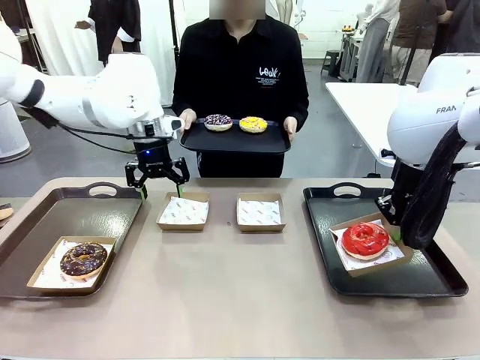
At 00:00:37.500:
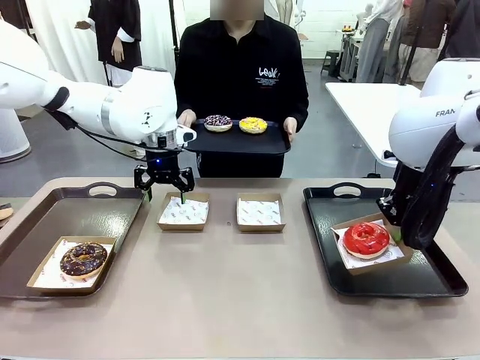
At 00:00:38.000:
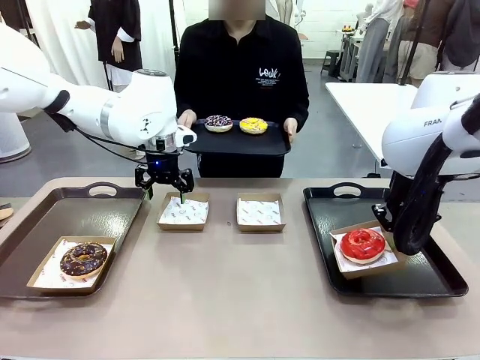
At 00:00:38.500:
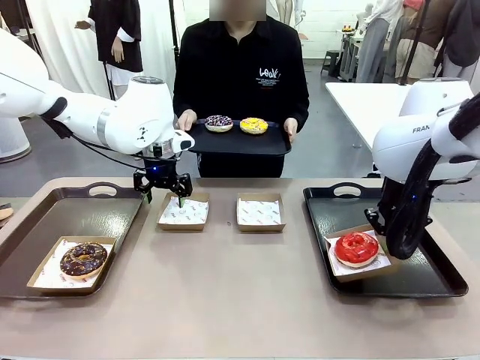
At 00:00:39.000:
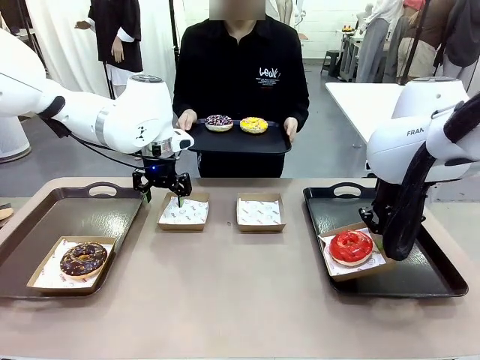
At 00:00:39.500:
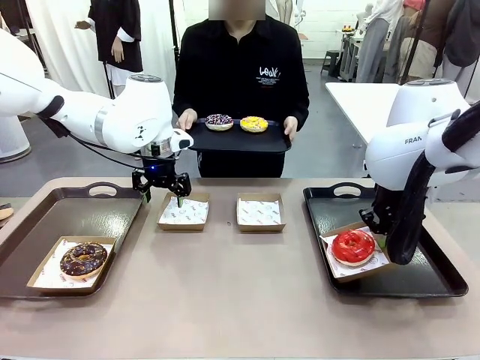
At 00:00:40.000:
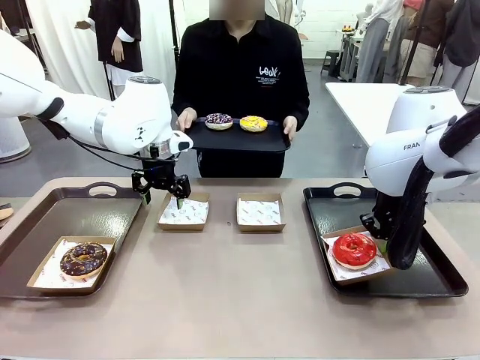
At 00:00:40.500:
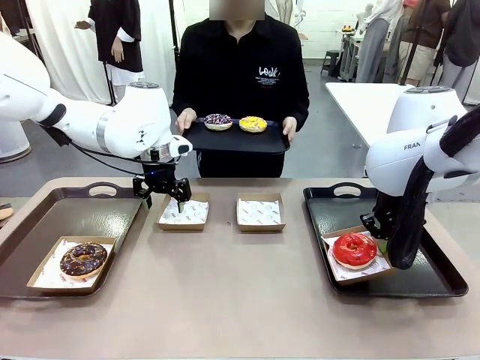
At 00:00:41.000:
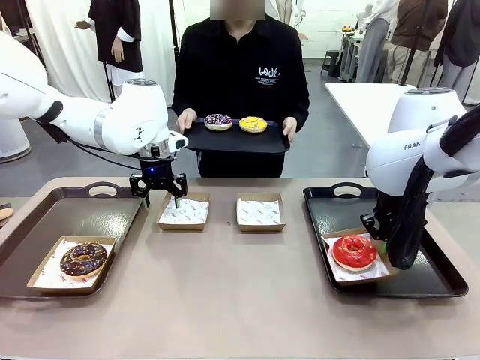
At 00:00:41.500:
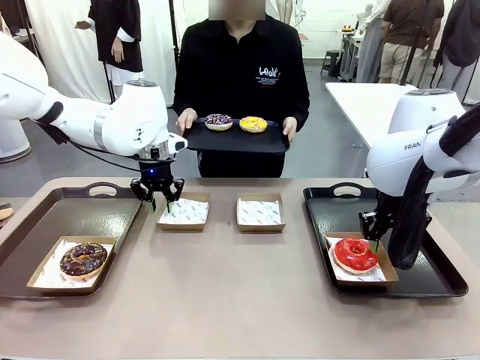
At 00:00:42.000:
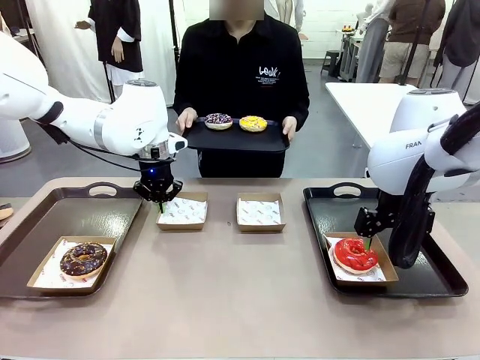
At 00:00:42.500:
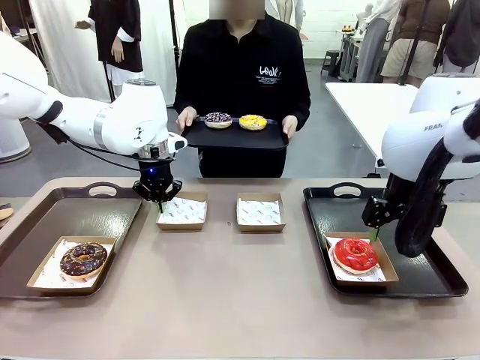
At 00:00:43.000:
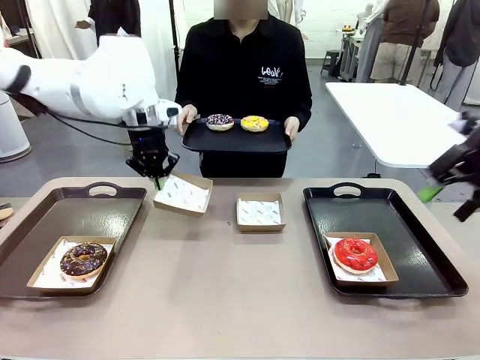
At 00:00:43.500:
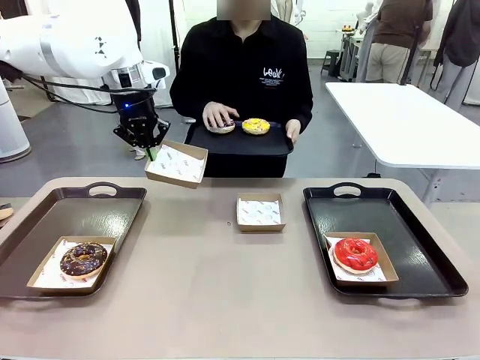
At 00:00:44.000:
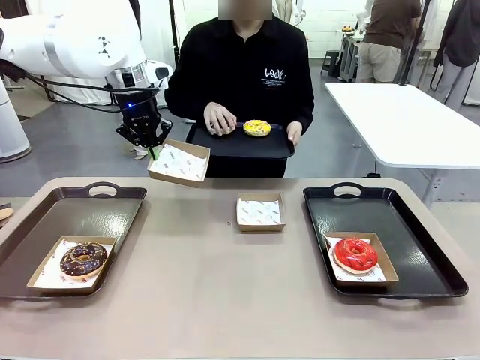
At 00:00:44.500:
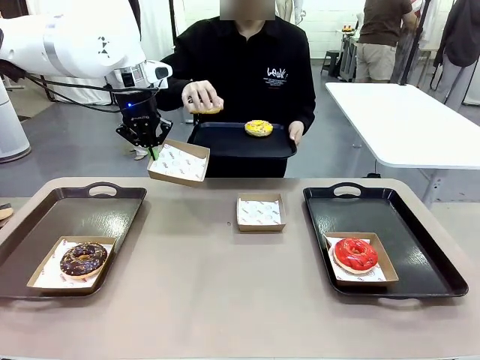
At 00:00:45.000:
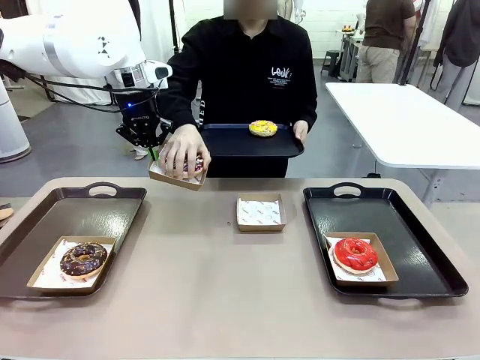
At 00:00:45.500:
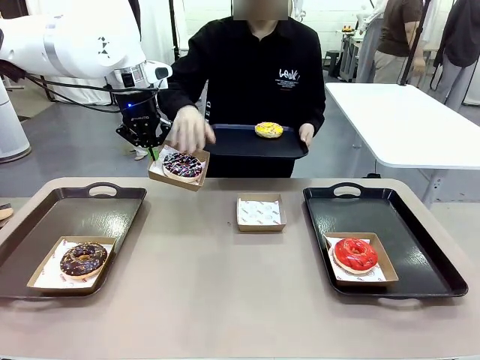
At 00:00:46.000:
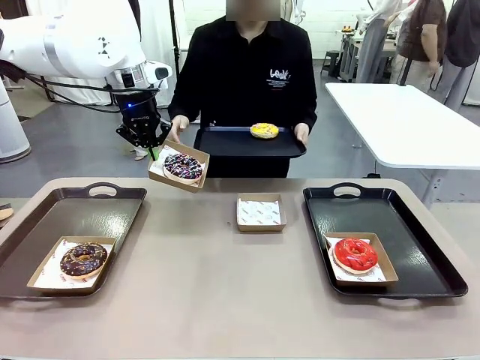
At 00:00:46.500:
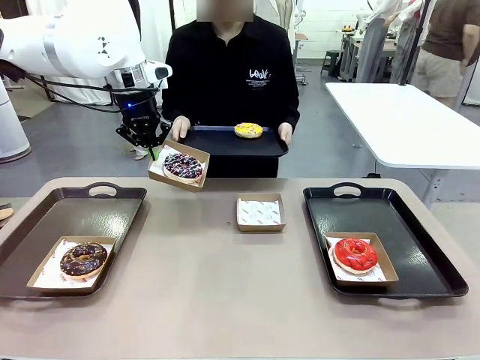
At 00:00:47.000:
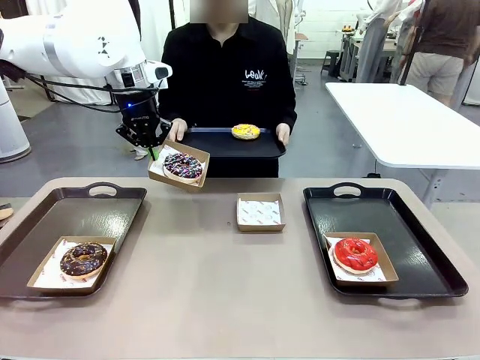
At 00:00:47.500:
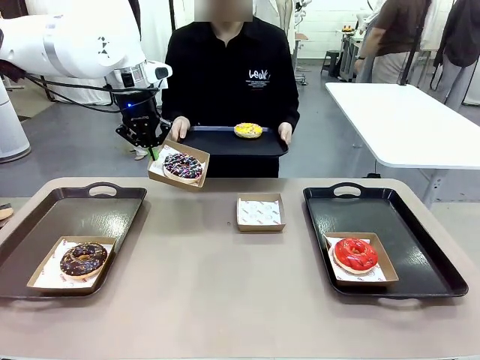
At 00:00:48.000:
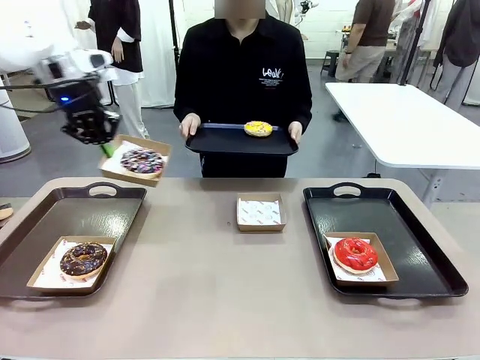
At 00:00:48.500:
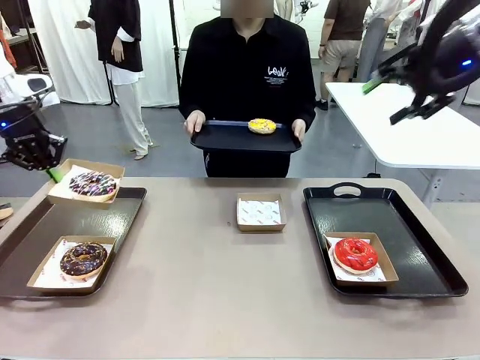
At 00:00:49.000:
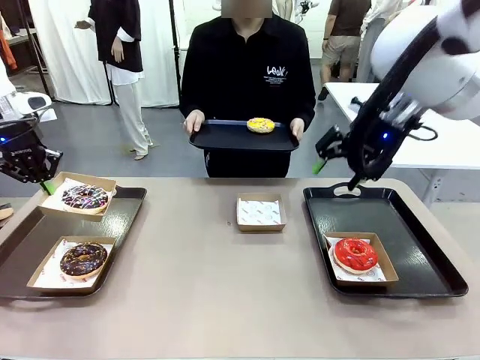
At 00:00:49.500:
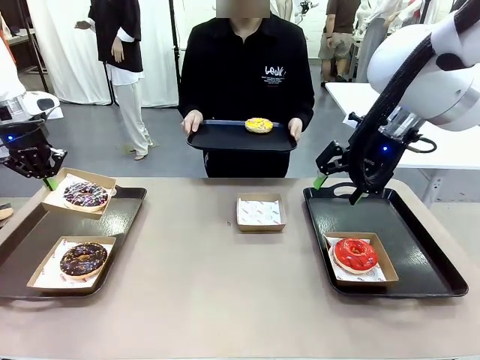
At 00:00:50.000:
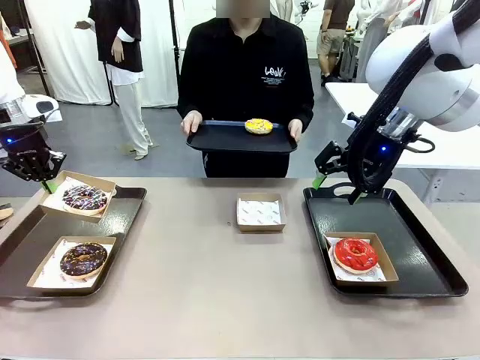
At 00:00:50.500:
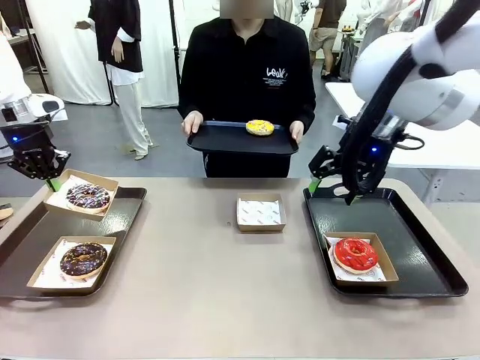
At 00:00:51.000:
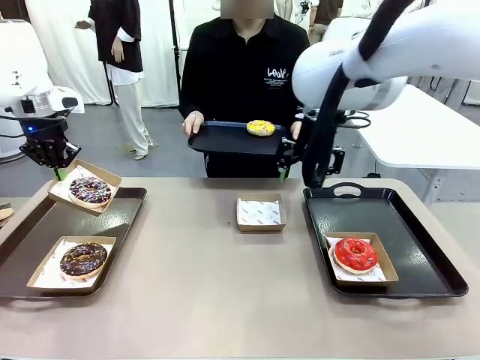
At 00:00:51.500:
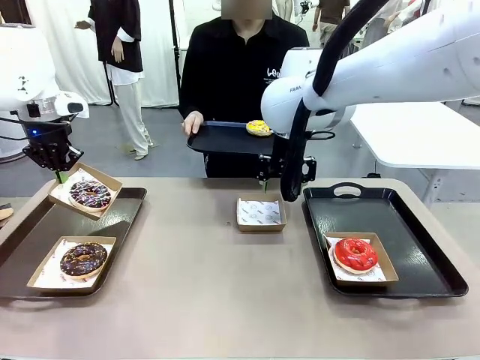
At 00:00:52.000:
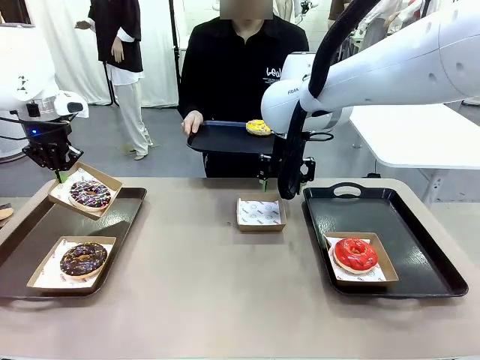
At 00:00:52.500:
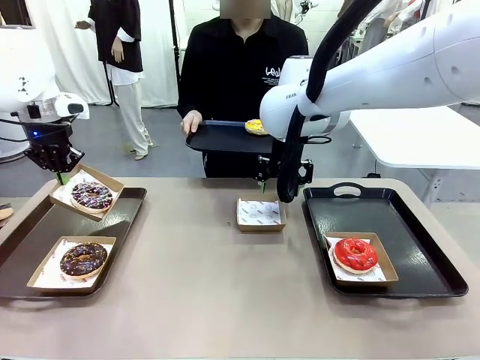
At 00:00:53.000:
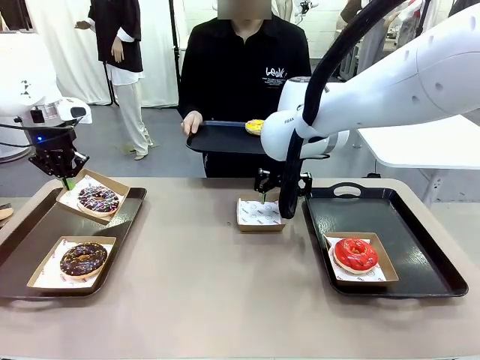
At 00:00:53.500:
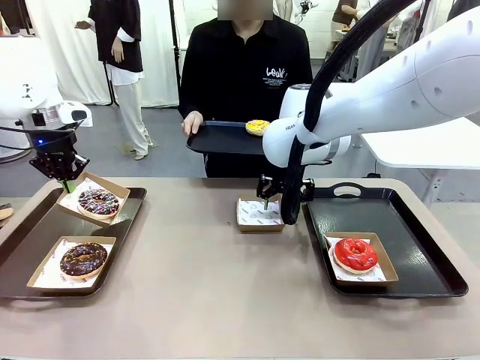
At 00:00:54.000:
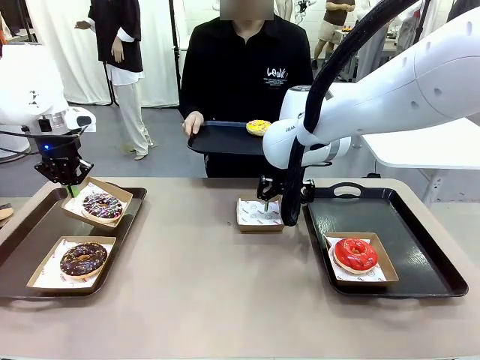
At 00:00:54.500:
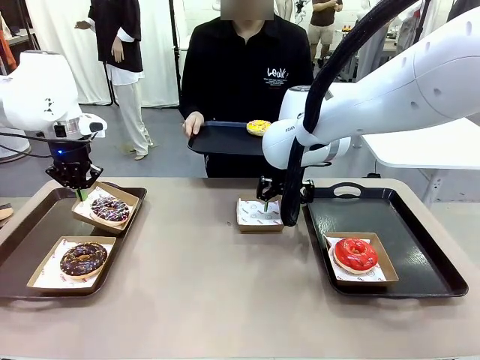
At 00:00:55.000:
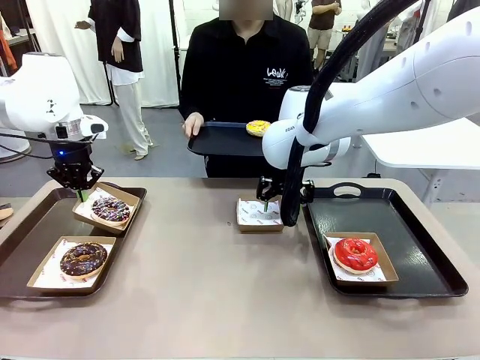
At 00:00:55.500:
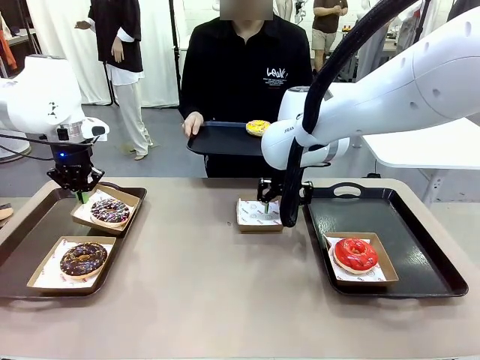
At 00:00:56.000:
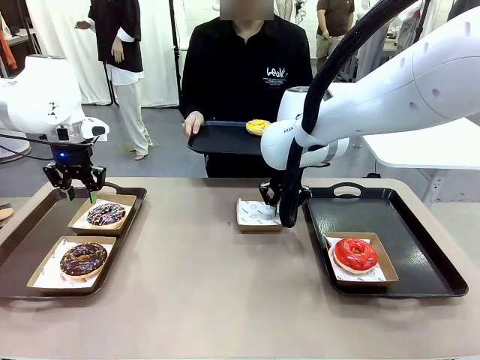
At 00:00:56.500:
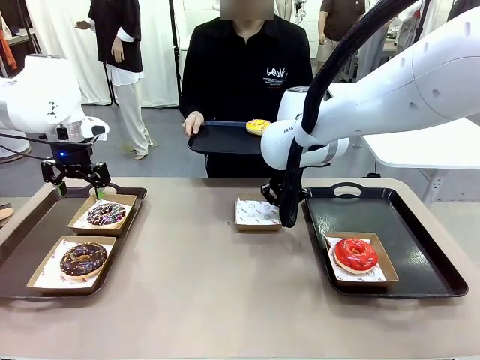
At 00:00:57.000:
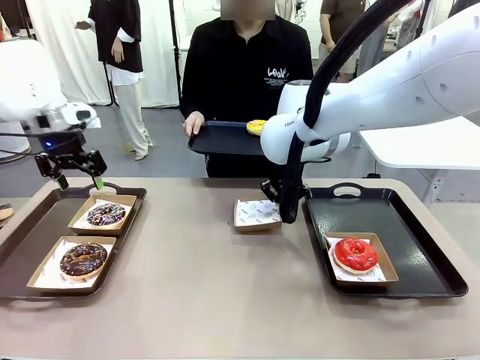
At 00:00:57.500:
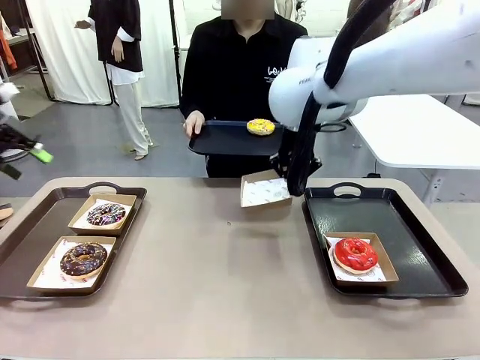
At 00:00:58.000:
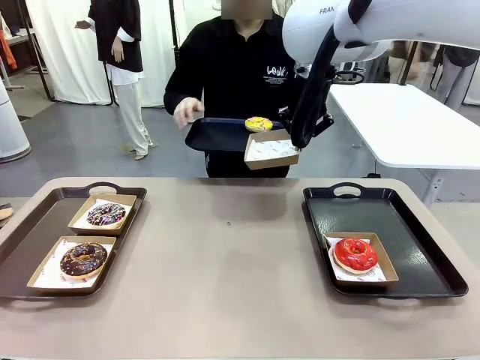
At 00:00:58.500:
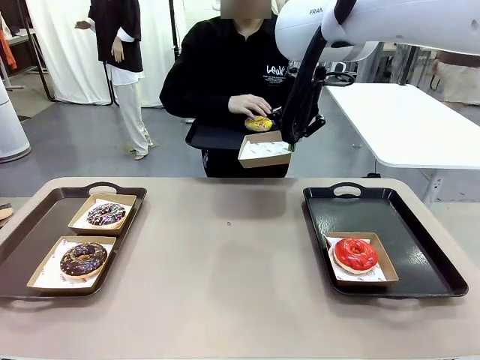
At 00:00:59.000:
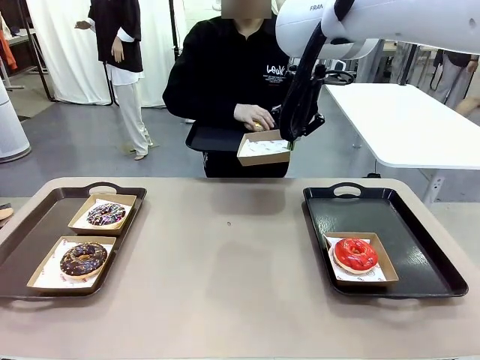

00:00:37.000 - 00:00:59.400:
Task: Individually package the donuts and arrange them on the tray.
Robot: Place the picked Paper togo box on the Handle tray while simultaneously picking up another Paper togo box from the table with the other hand.
